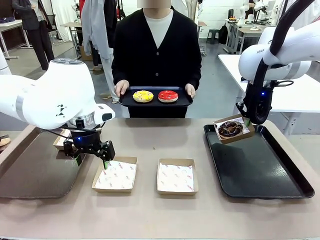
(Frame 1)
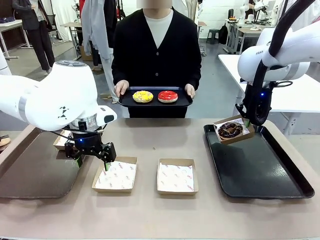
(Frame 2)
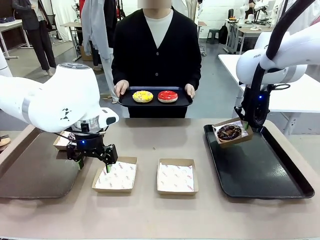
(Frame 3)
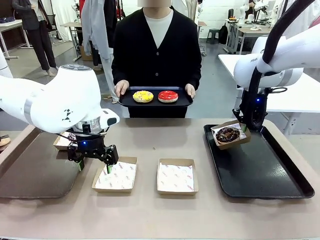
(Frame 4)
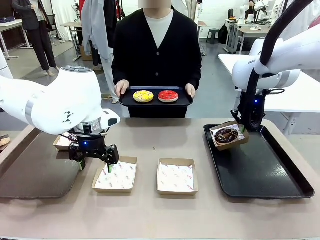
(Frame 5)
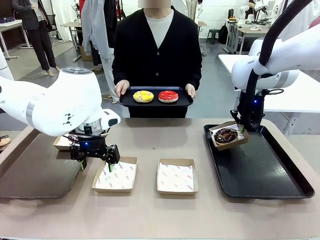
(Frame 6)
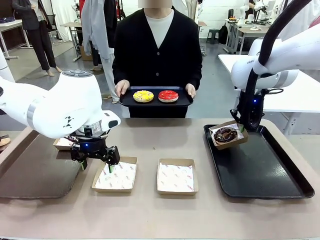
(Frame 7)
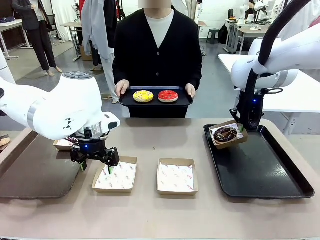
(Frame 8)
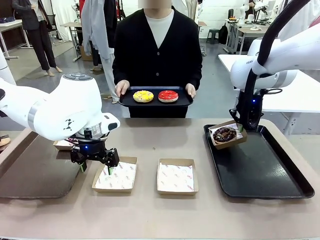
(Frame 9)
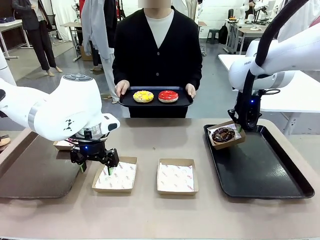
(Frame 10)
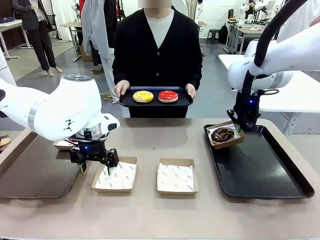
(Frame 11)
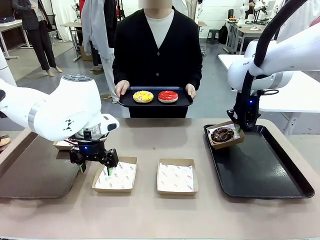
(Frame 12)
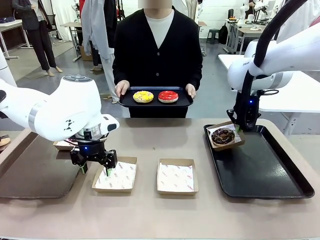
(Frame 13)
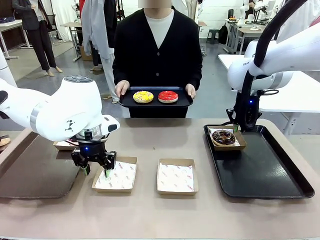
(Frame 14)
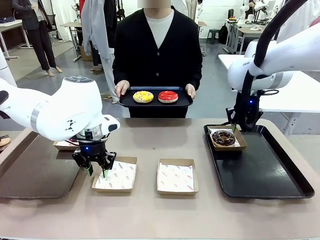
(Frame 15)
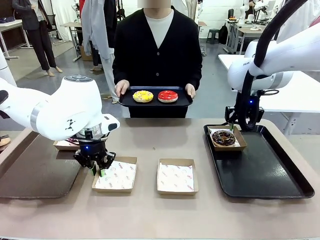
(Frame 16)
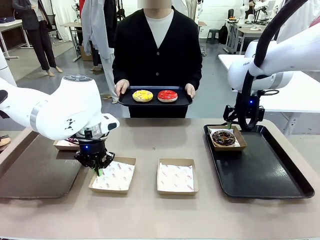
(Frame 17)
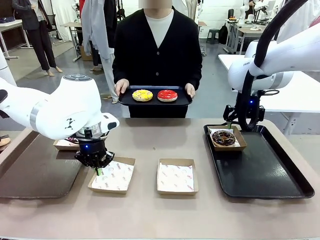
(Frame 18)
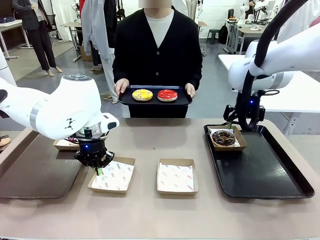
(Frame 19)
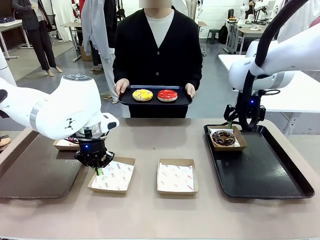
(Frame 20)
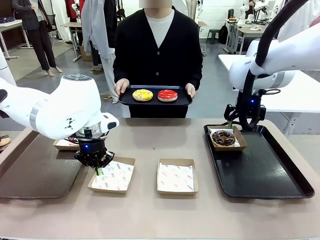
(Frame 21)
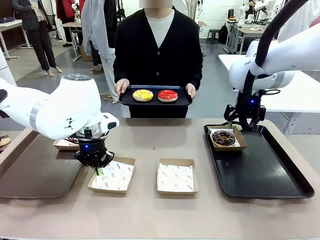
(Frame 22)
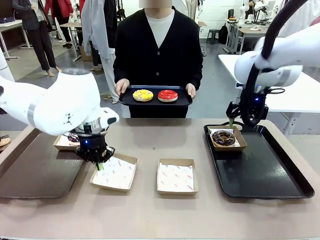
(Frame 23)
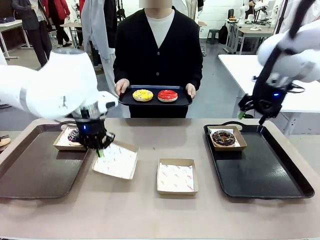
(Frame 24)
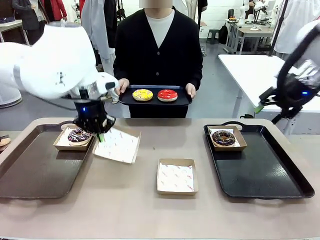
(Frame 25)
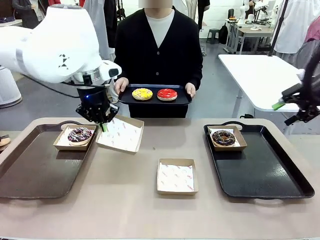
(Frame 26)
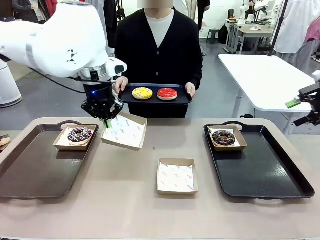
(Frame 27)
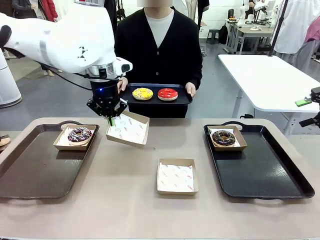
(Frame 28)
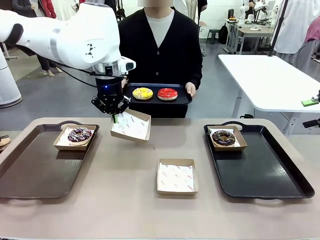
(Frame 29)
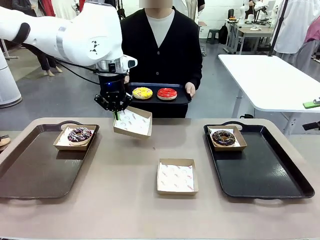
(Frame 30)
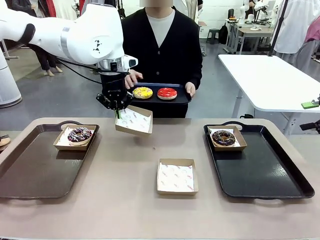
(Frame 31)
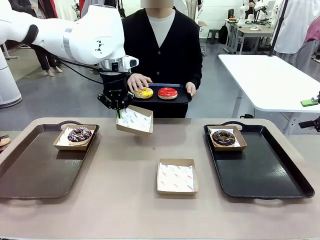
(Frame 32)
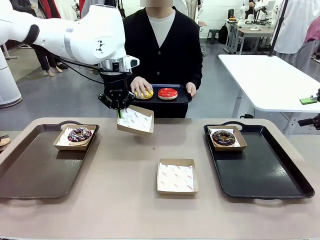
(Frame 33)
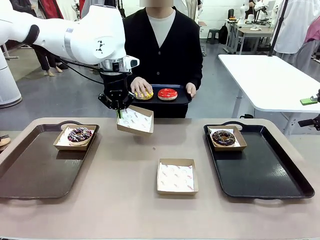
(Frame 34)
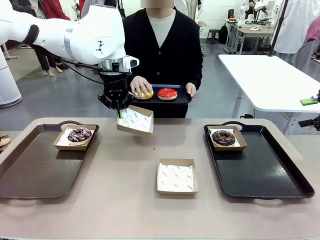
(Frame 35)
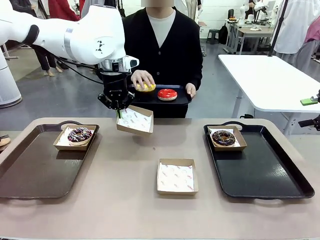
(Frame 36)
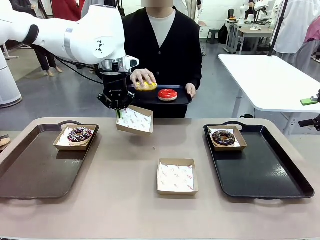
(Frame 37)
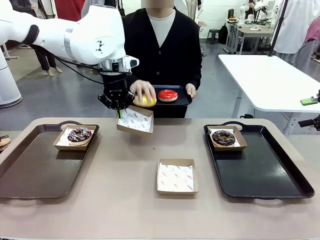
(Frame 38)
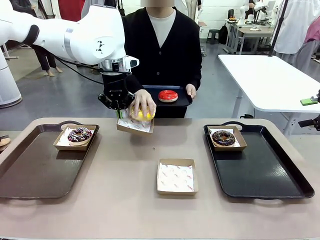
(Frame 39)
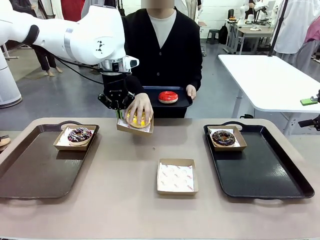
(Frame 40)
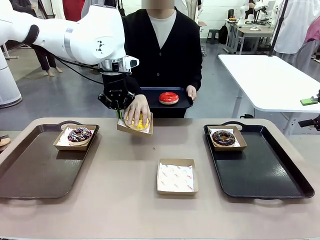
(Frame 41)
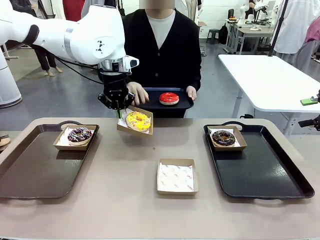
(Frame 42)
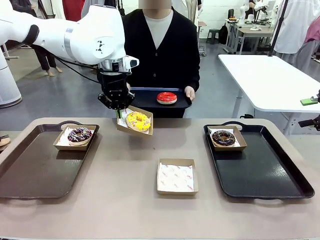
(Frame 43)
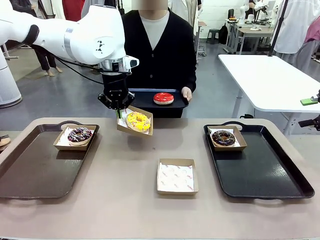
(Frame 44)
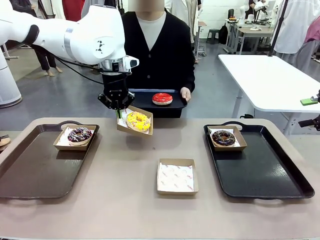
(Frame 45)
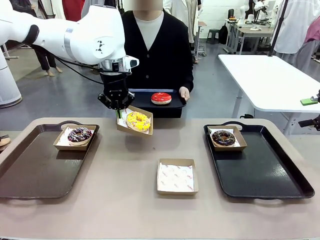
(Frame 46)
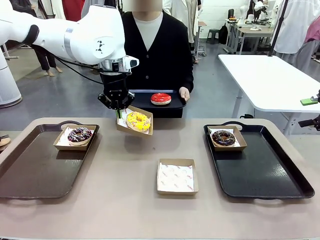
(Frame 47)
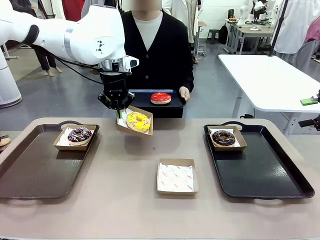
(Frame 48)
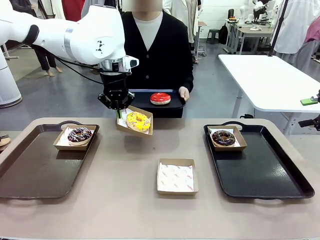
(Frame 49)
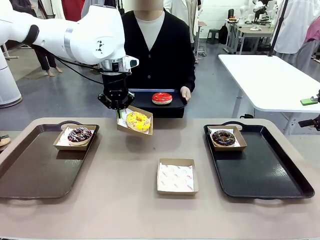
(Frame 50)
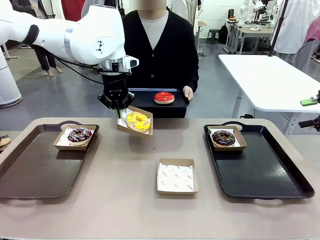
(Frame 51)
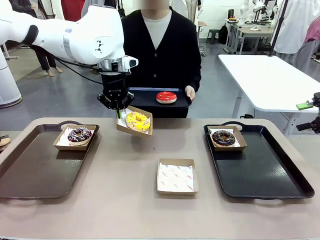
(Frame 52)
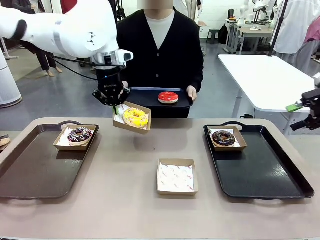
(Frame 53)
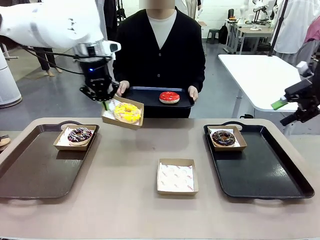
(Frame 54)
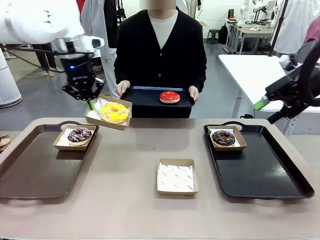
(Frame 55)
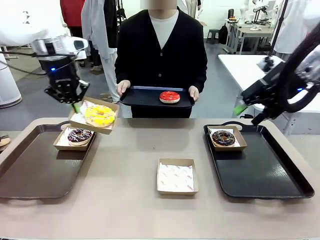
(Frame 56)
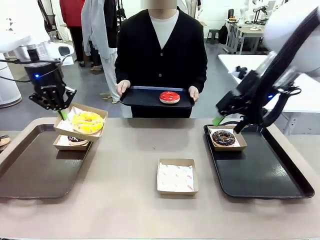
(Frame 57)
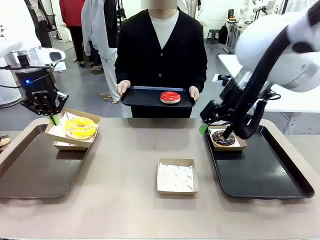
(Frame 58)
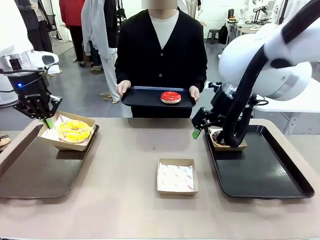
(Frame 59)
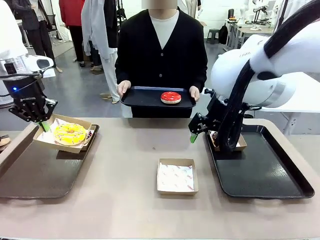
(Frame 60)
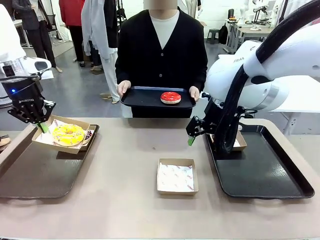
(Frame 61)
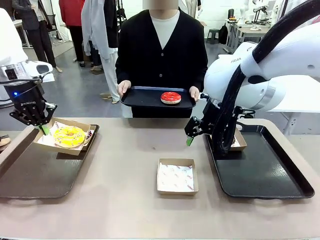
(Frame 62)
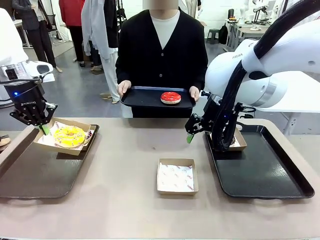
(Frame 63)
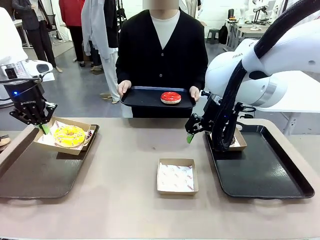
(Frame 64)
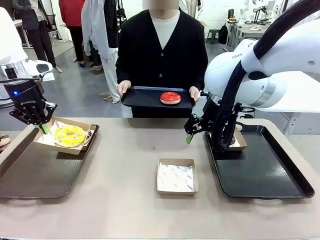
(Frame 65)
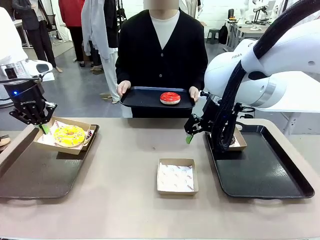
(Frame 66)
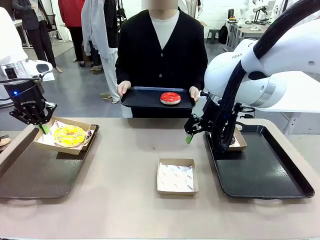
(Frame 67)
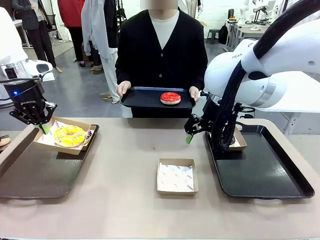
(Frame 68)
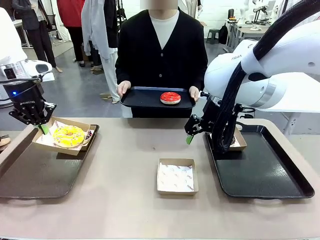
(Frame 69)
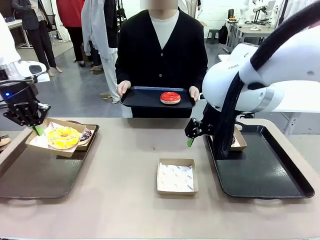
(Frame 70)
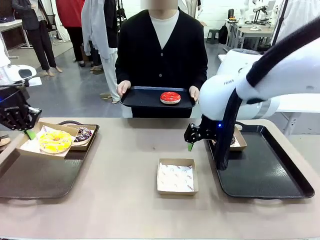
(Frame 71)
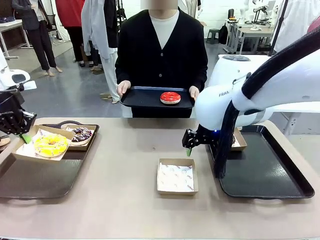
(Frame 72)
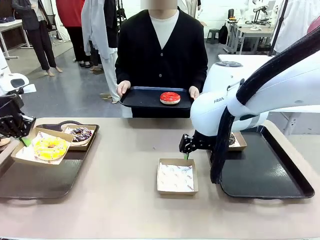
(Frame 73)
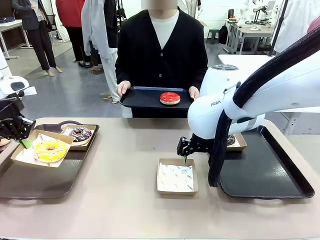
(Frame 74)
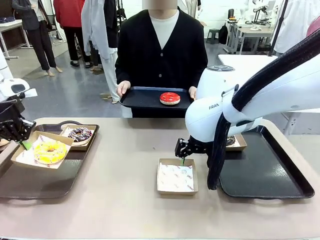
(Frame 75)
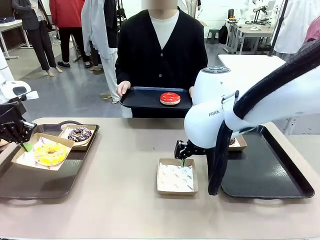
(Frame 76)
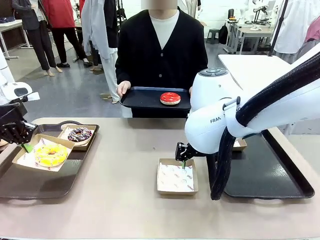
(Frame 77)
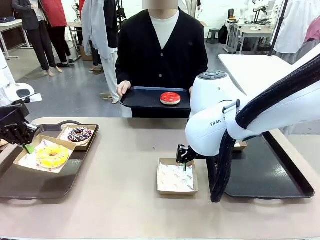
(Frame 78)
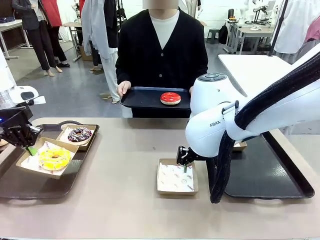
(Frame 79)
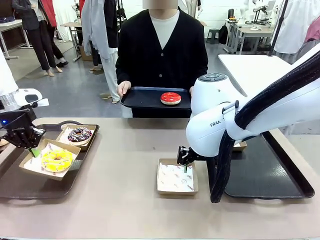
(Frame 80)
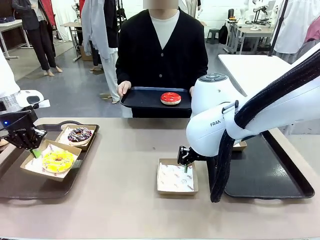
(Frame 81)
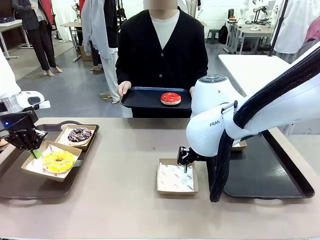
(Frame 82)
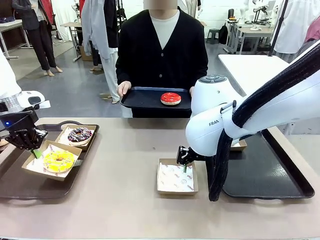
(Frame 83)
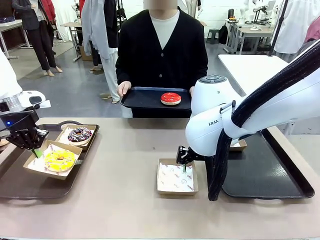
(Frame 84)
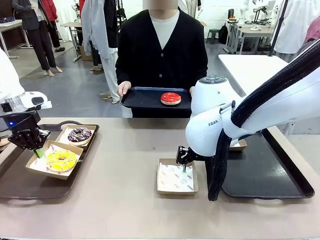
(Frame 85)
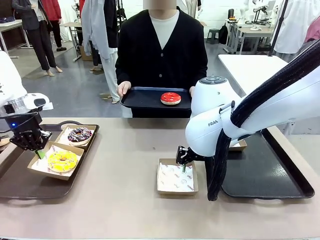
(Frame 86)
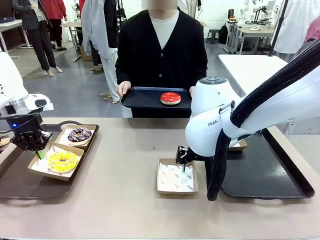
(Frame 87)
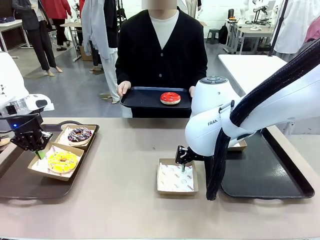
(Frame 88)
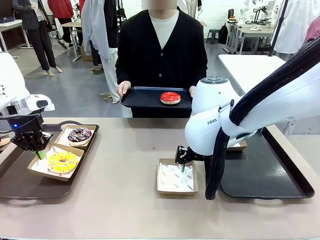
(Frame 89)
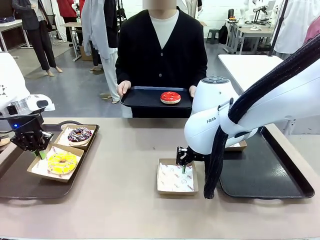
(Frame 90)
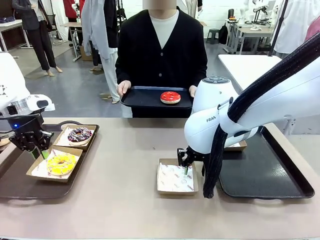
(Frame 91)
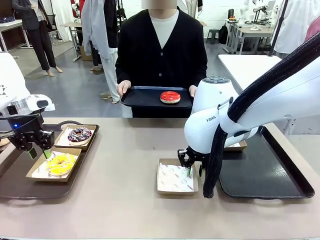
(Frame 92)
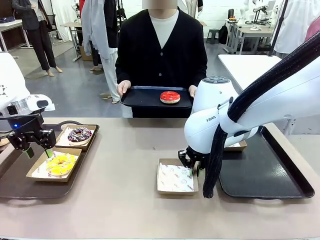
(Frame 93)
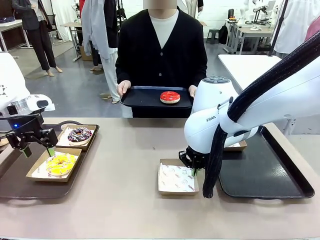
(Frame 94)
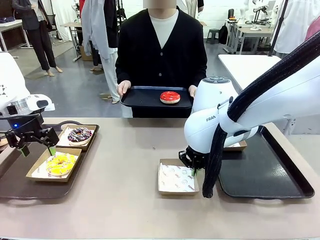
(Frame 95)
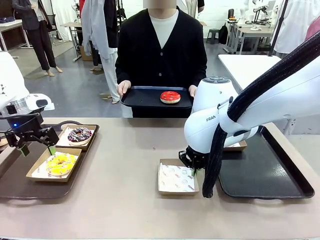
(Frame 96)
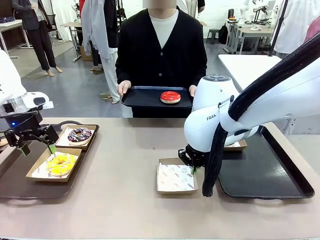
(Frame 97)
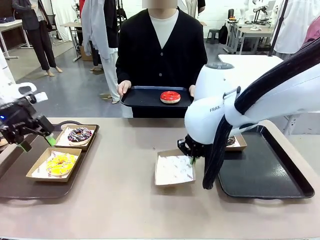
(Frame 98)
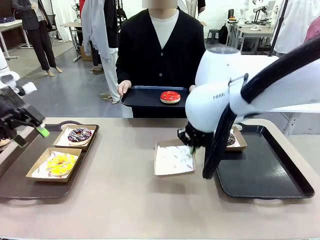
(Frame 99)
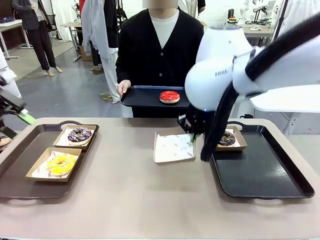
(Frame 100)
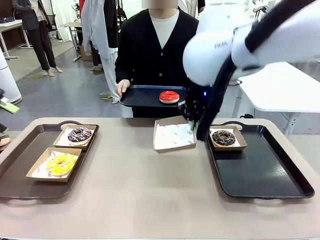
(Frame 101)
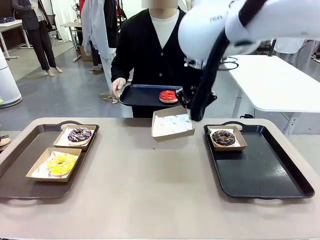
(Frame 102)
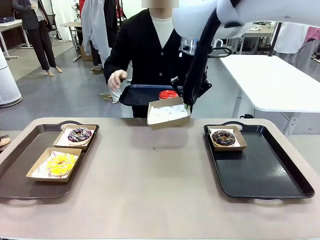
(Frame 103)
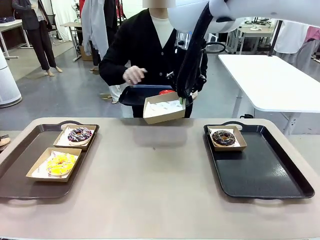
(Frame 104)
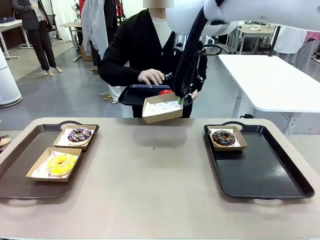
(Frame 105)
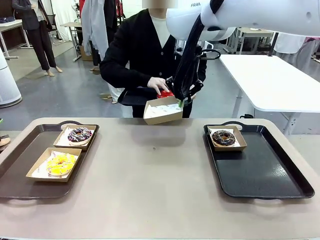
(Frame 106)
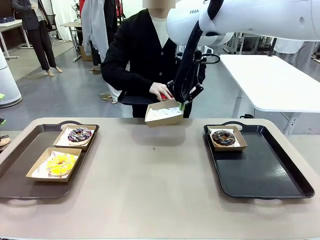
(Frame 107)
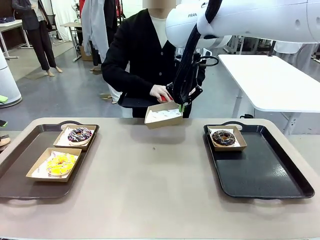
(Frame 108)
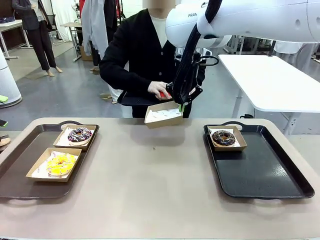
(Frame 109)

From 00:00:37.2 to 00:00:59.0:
Task: Individually package the donuts and arrange them on the tray.
Robot: Place the picked Paper togo box on the Handle tray while simultaneously picking up another Paper togo box from the table with the other hand.
